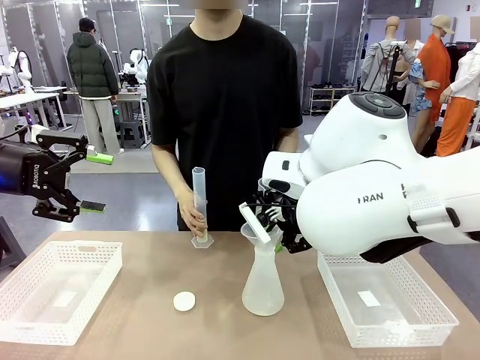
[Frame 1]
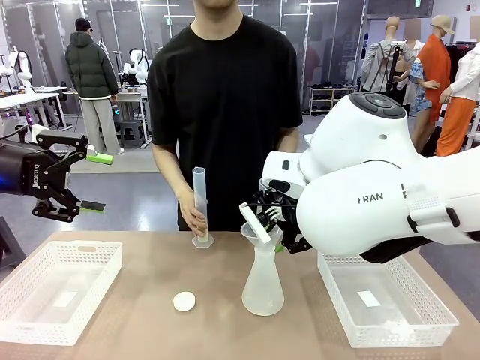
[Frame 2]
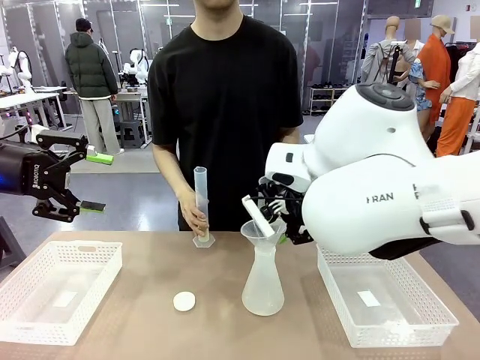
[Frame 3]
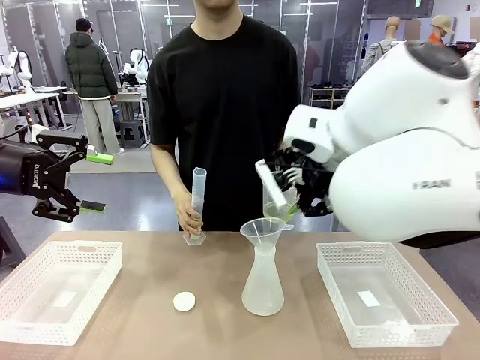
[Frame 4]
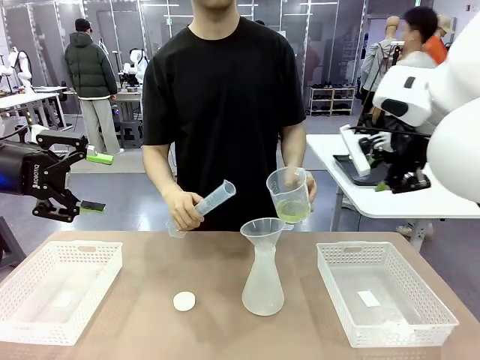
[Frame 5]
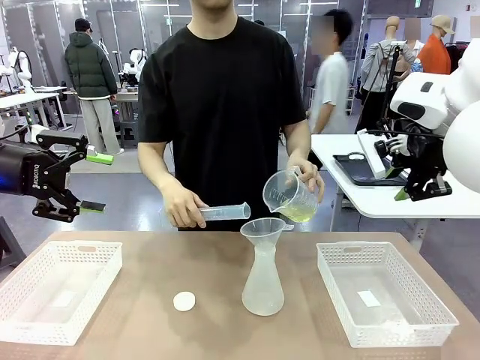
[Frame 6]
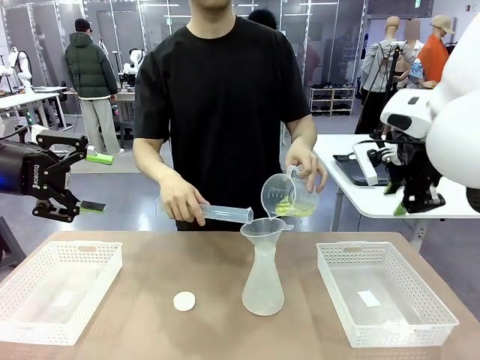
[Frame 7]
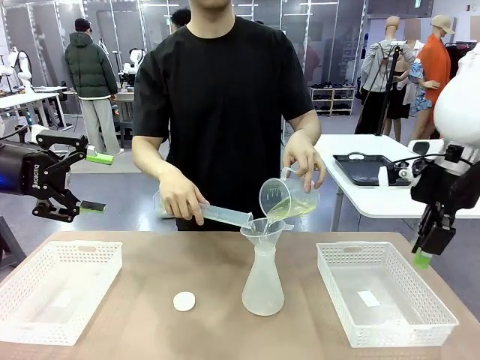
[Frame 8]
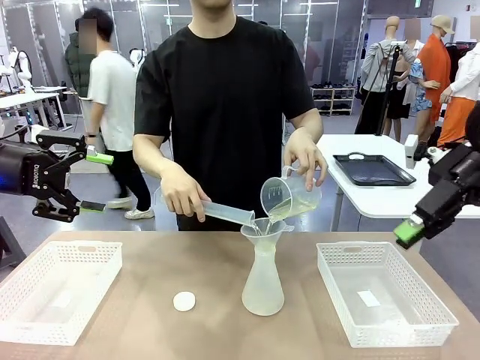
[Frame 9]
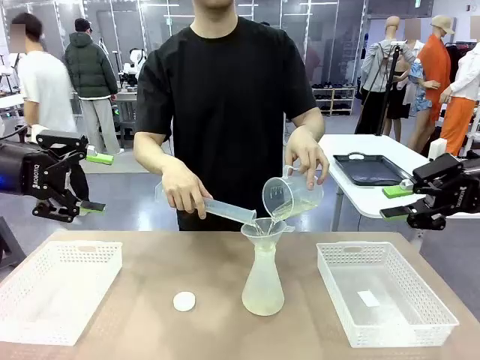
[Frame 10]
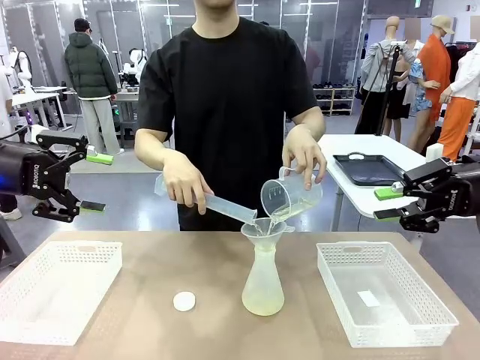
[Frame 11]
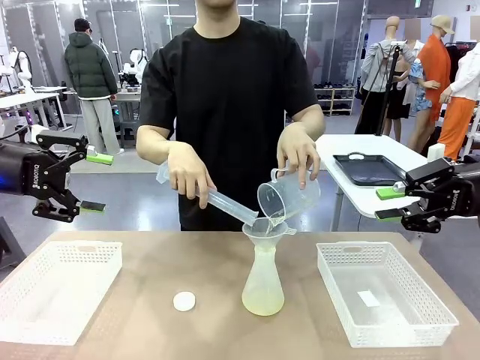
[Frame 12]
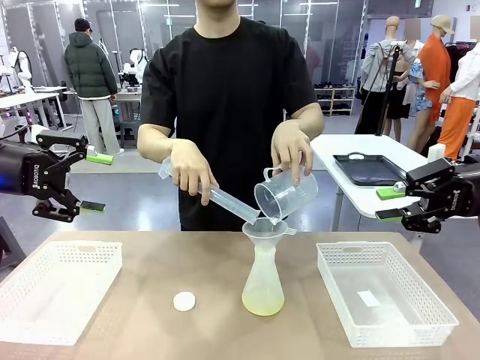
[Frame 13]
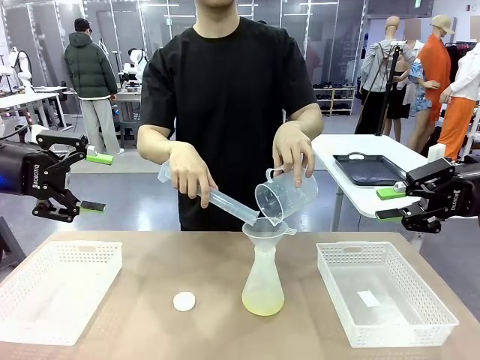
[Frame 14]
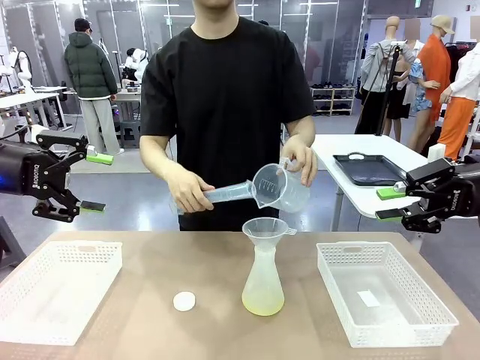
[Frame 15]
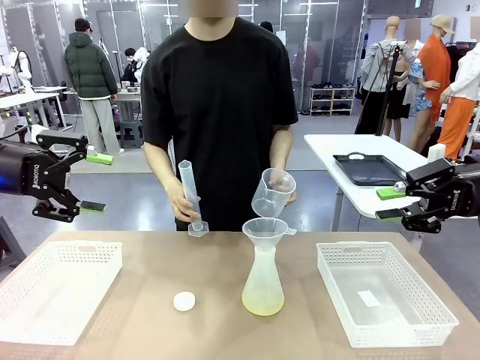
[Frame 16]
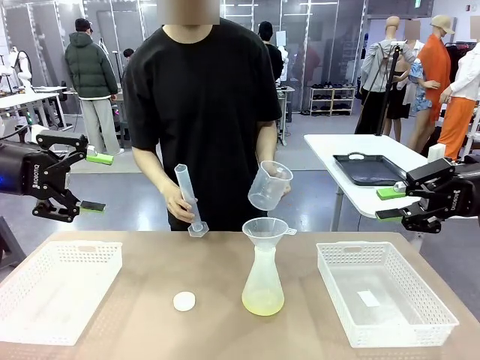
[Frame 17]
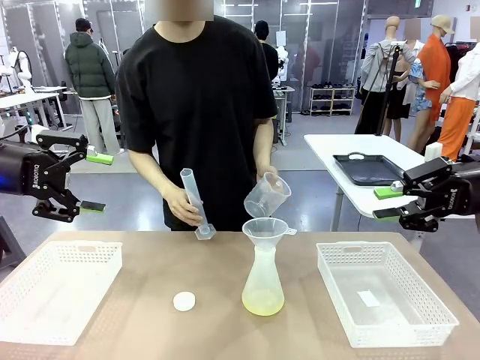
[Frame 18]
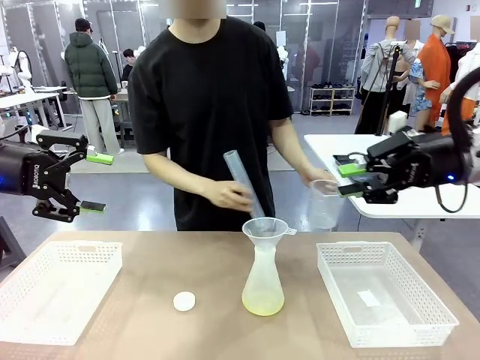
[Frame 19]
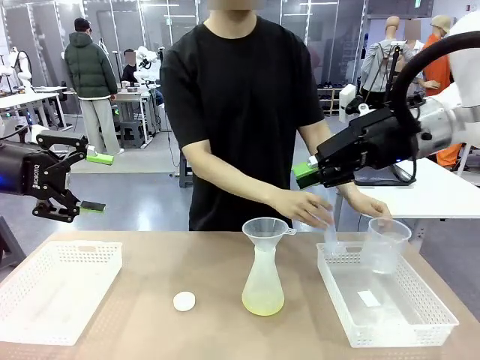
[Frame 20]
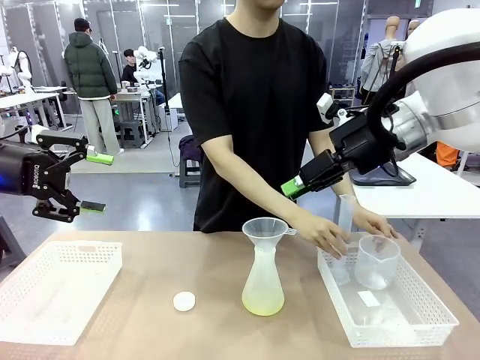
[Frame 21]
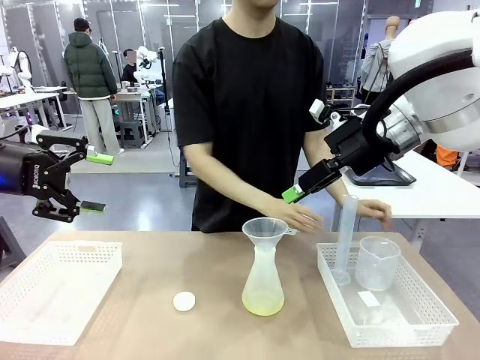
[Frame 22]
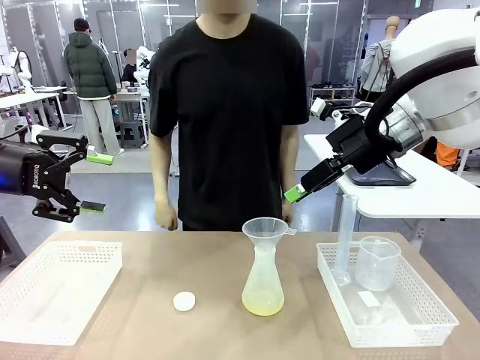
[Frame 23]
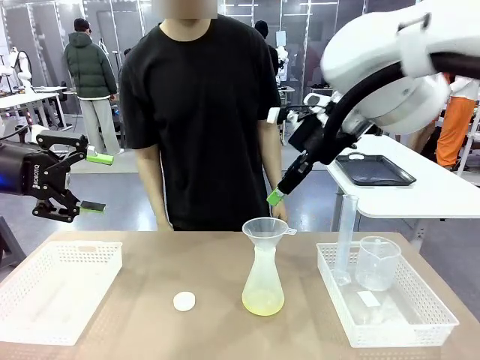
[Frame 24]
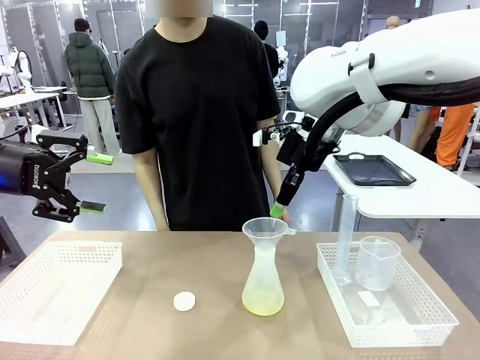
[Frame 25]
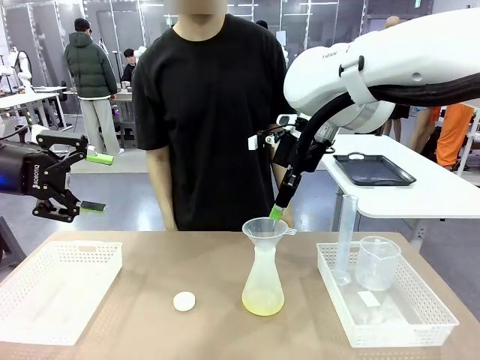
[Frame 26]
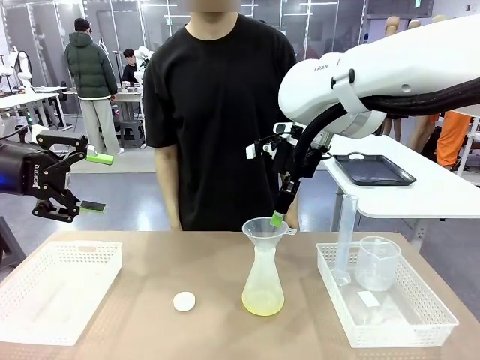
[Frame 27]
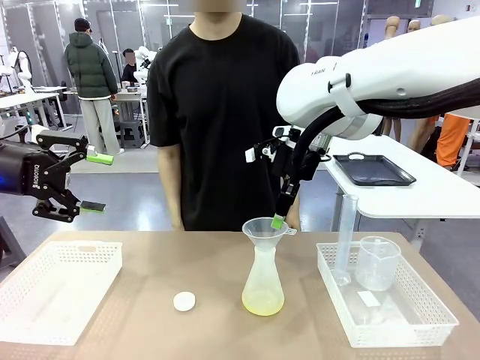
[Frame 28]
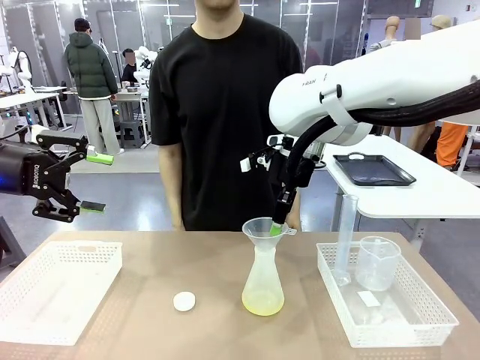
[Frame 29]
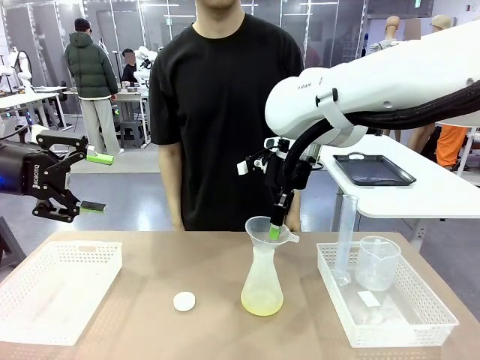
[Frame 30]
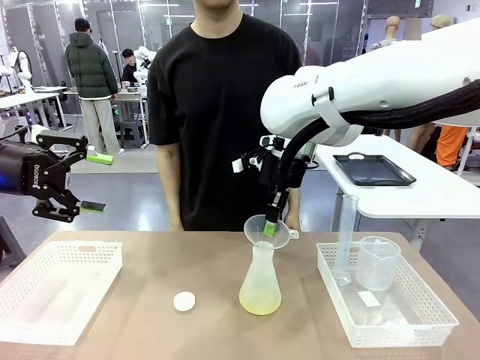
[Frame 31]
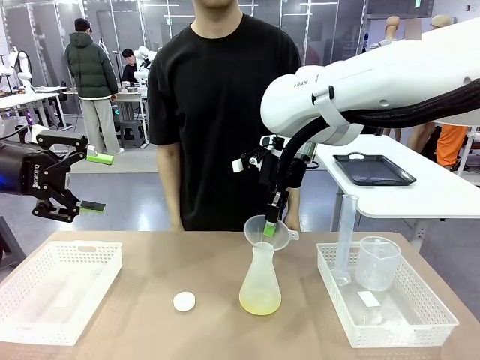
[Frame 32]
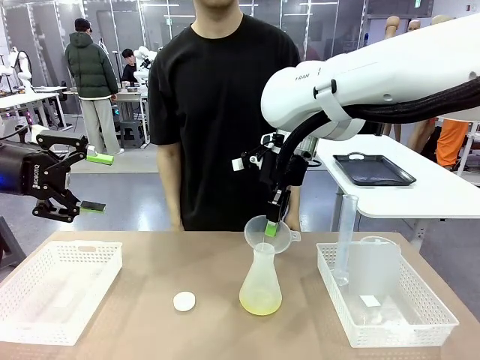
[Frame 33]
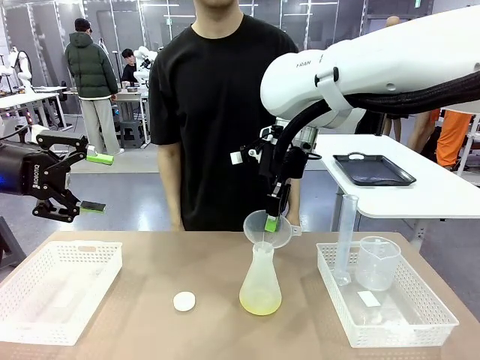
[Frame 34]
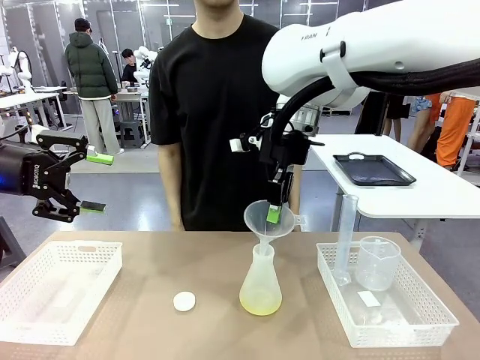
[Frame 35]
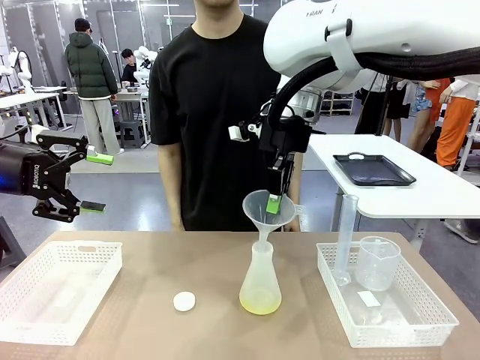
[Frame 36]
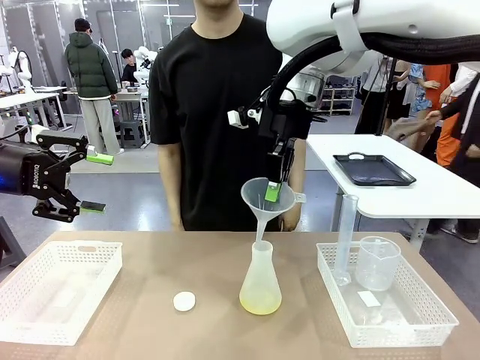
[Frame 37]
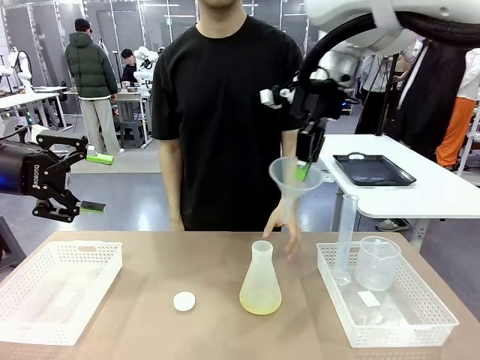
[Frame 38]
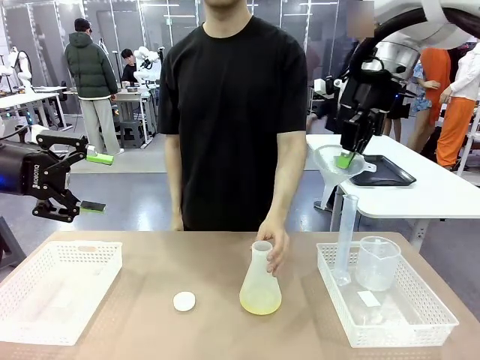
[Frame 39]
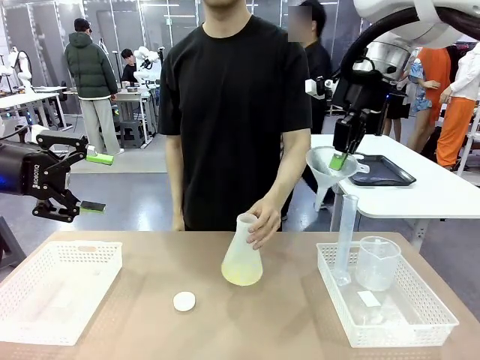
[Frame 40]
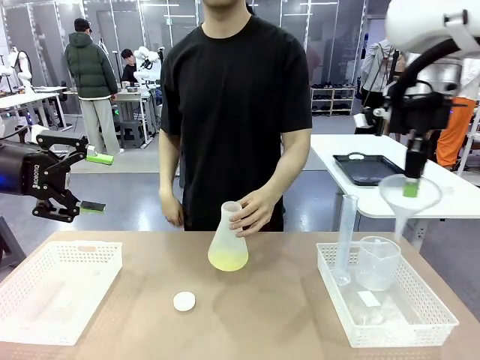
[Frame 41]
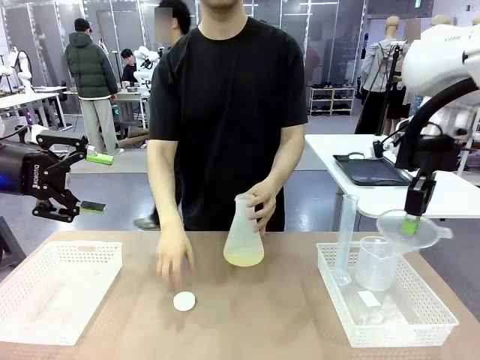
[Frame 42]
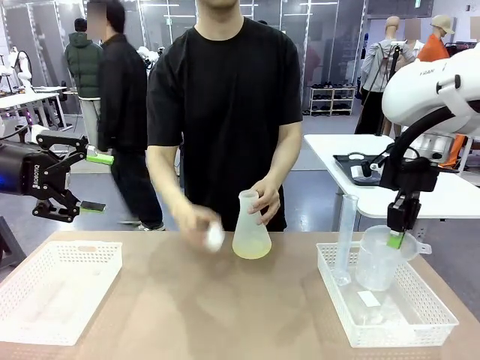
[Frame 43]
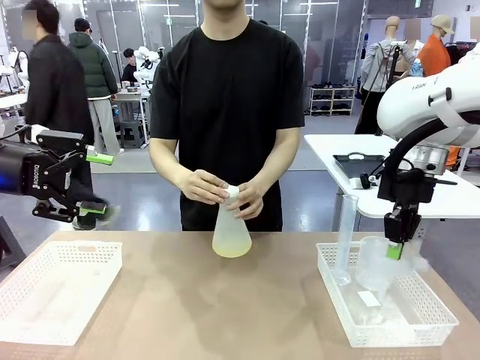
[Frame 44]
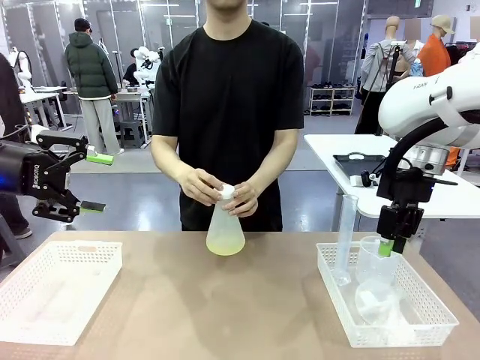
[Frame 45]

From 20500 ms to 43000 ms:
Task: Prepare the solutions needed for the experiment.
Robot: Once the solution is in the Big flask , pick up the Plastic Funnel and place it back into the right Organizing basket.
Person: Place the beaker and the cylinder into the organizing basket on the left side. Pick up the flask, gently shake it 2–3 times, place it in the middle of the robot table, and close the lid.
